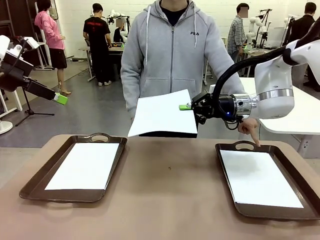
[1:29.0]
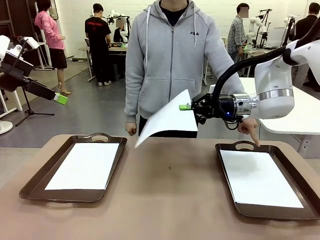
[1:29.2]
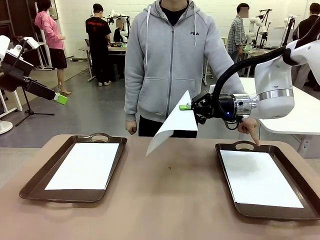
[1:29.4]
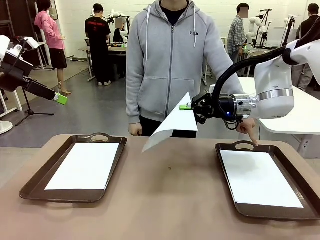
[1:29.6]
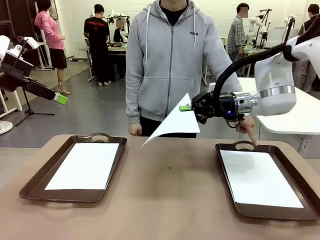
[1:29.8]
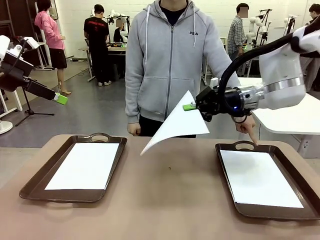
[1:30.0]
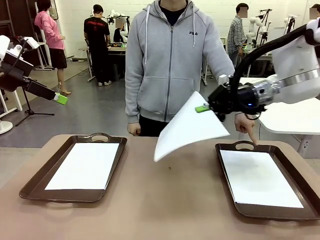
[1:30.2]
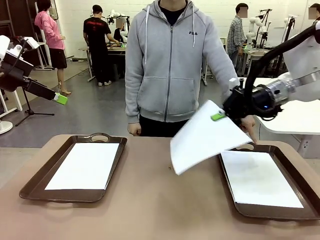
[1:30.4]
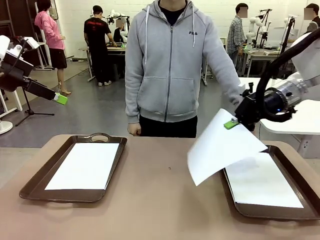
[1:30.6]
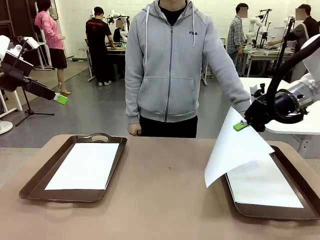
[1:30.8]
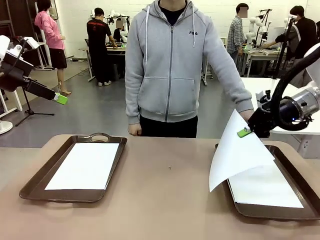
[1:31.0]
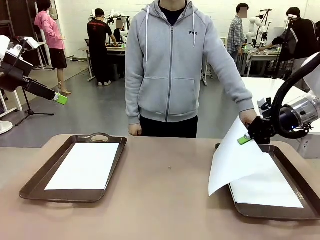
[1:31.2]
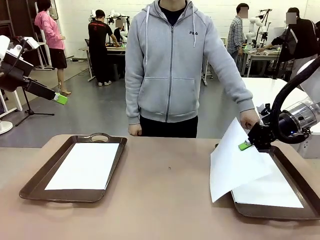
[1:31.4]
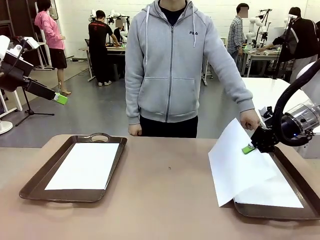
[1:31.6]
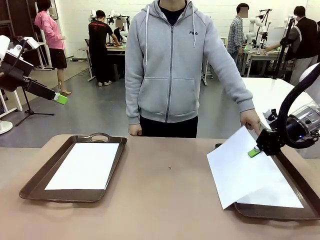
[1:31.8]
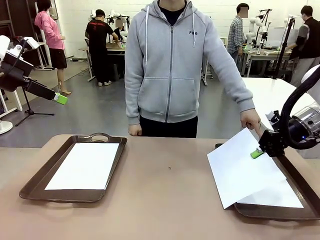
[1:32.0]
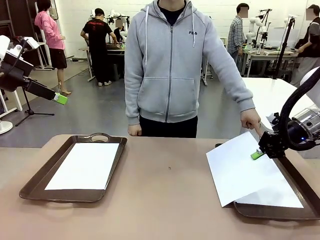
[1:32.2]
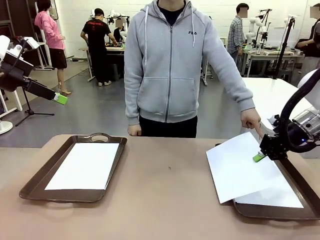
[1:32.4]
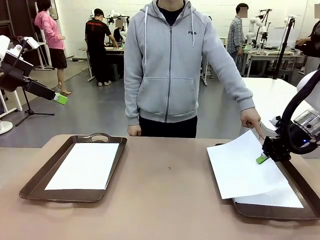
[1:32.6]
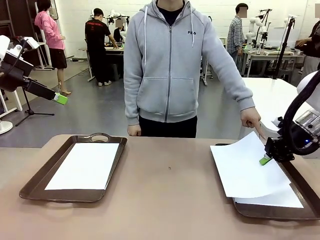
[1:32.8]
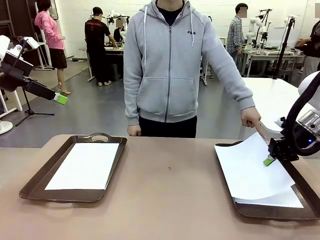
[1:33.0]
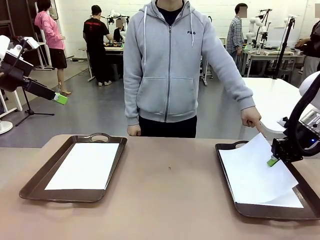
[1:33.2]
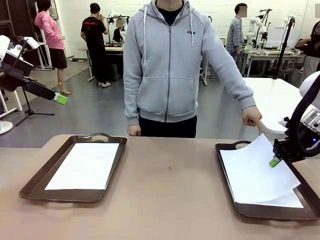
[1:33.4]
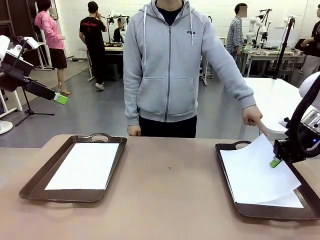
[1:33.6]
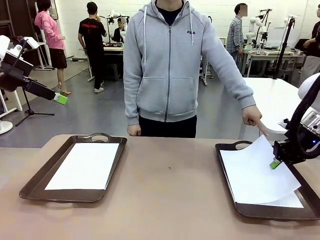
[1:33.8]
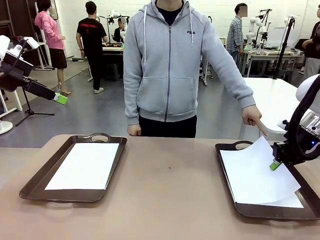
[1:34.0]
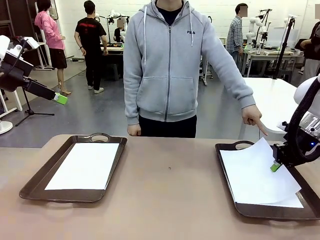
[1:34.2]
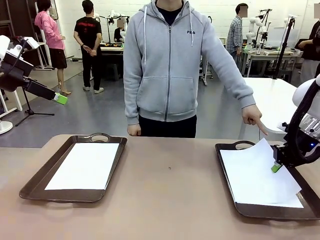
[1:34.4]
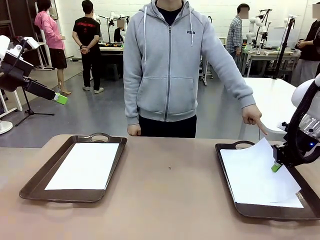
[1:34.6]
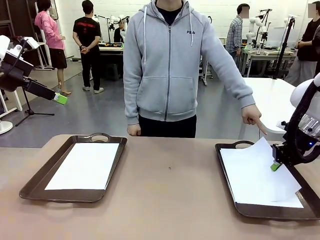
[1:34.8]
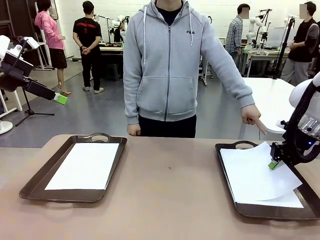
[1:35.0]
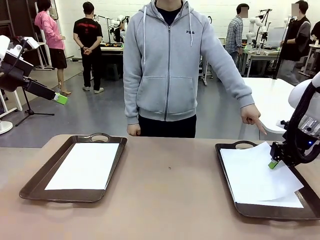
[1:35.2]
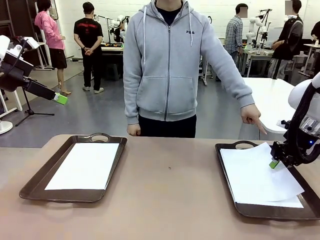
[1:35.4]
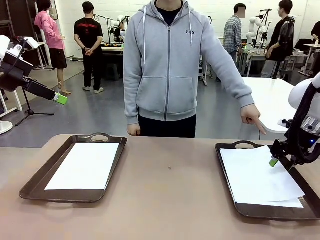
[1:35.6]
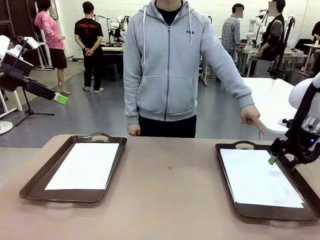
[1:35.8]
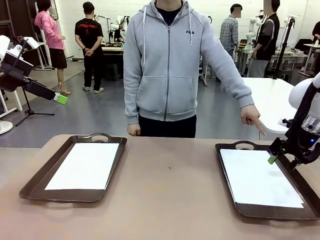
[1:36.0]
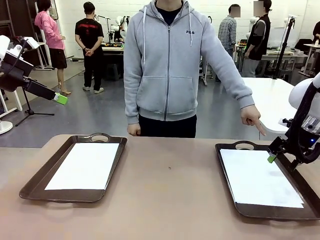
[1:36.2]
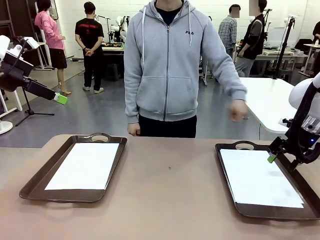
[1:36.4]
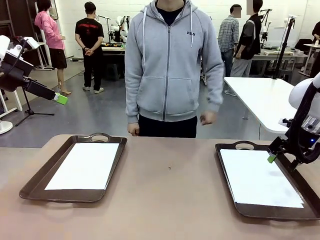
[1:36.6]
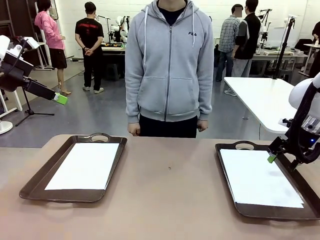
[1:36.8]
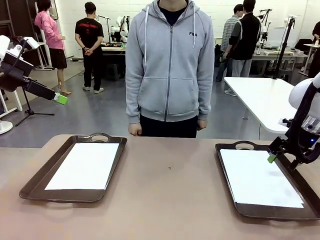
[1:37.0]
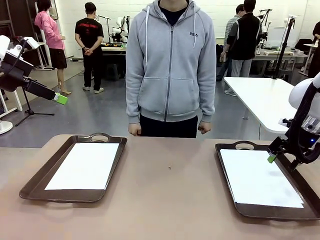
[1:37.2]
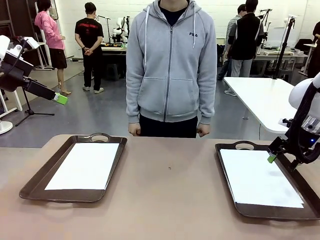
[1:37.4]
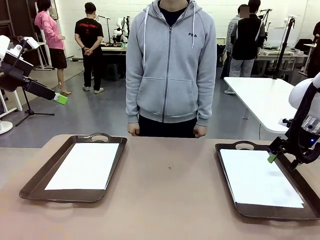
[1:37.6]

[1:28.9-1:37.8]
Task: Sort the A4 documents.
Robot: Place the A4 Paper in the designated Handle tray.
Person: Point the randomly selected tray with the other hand.

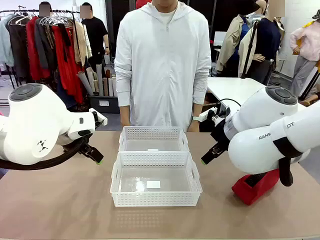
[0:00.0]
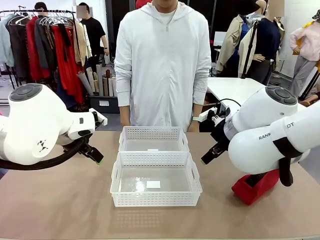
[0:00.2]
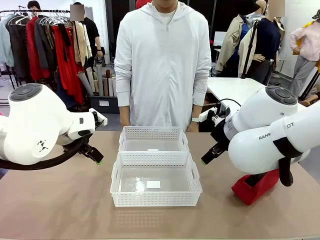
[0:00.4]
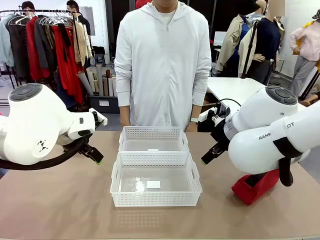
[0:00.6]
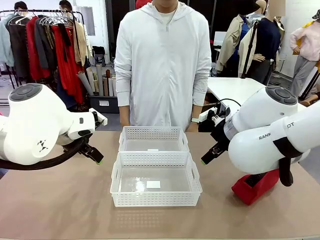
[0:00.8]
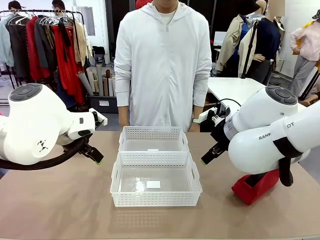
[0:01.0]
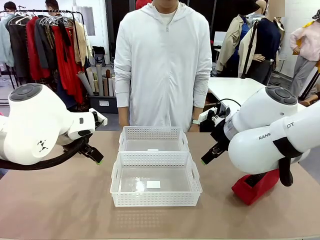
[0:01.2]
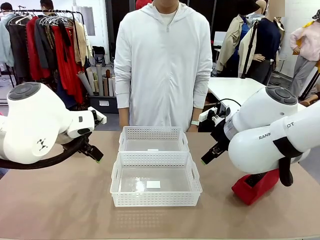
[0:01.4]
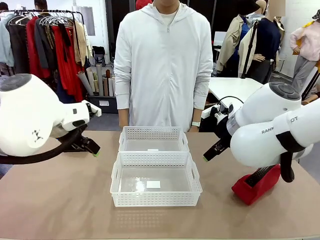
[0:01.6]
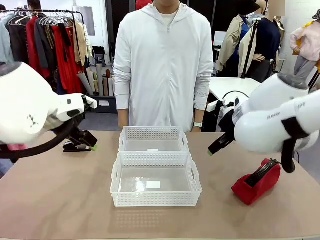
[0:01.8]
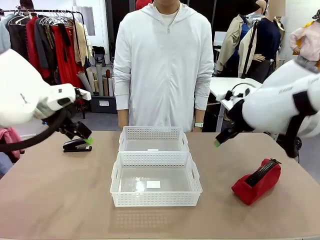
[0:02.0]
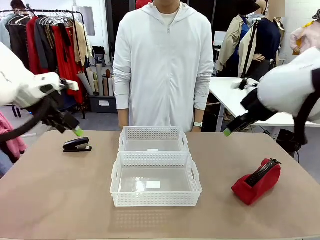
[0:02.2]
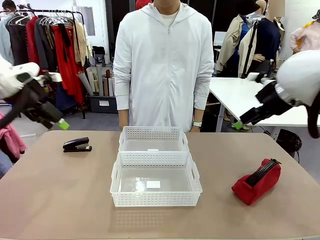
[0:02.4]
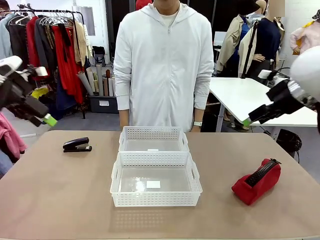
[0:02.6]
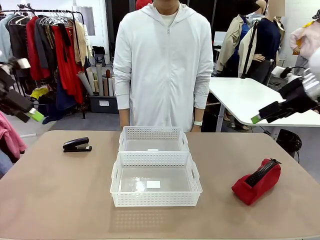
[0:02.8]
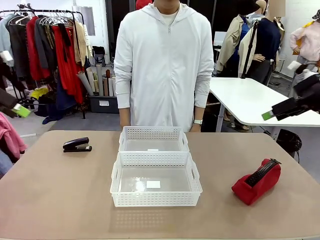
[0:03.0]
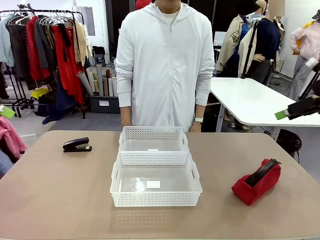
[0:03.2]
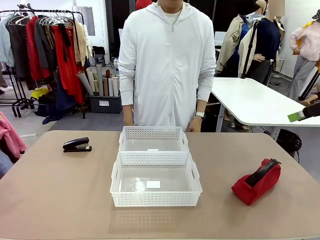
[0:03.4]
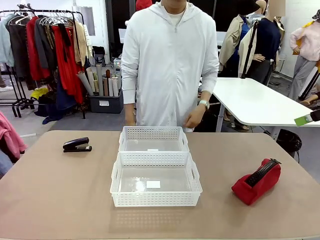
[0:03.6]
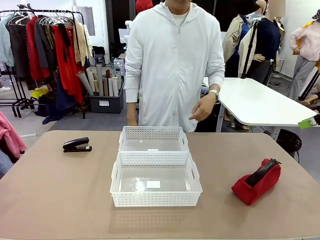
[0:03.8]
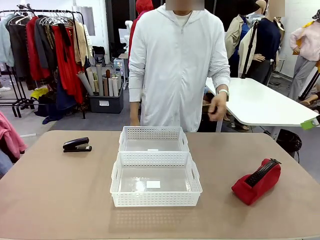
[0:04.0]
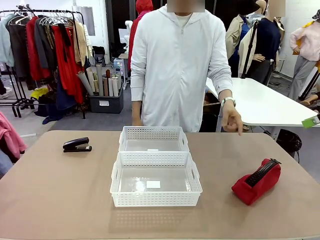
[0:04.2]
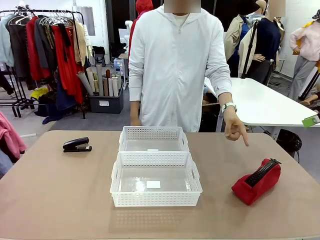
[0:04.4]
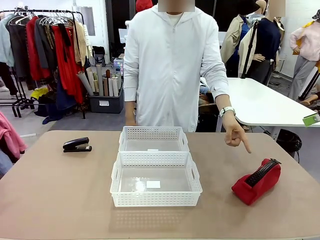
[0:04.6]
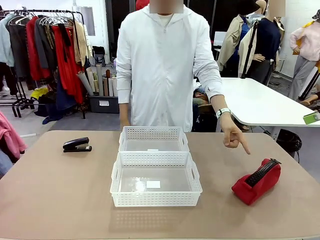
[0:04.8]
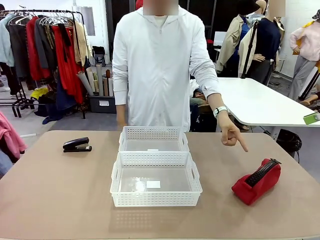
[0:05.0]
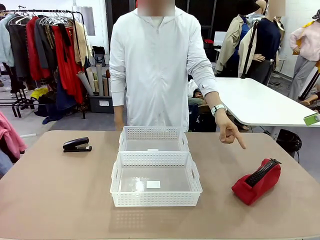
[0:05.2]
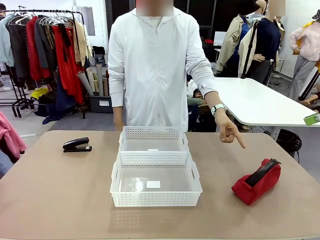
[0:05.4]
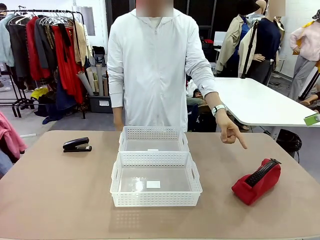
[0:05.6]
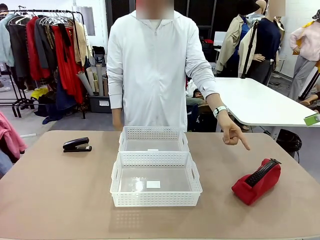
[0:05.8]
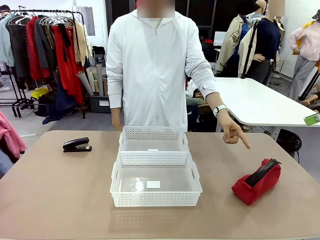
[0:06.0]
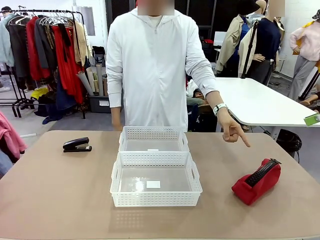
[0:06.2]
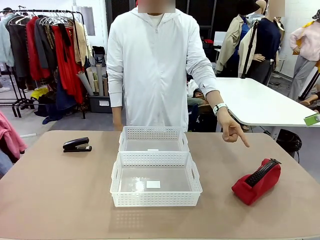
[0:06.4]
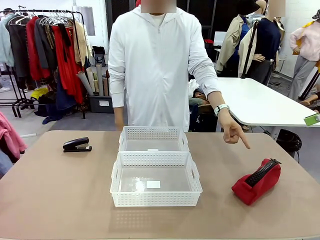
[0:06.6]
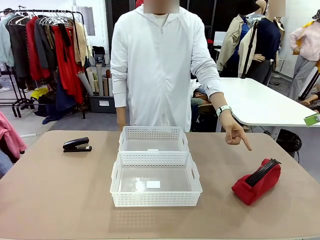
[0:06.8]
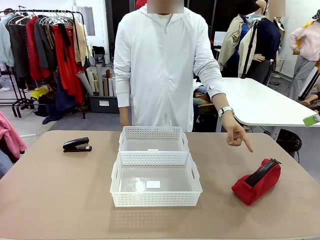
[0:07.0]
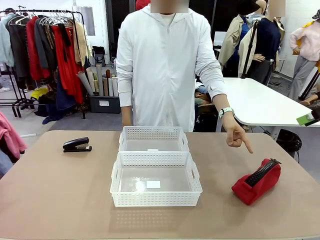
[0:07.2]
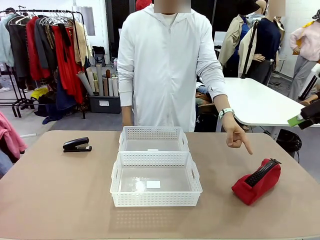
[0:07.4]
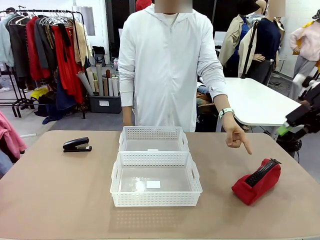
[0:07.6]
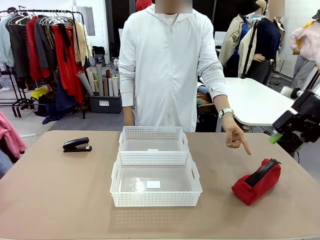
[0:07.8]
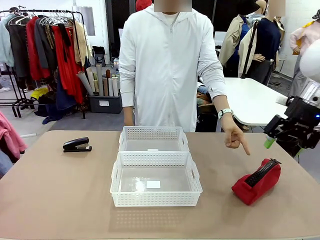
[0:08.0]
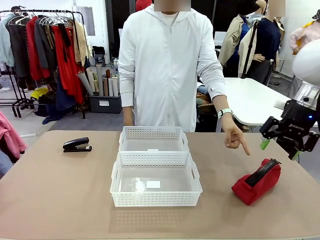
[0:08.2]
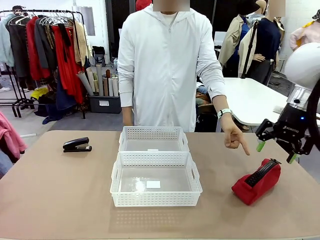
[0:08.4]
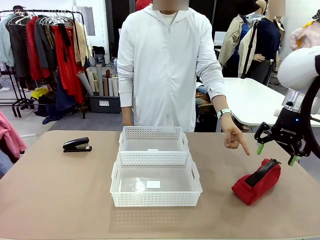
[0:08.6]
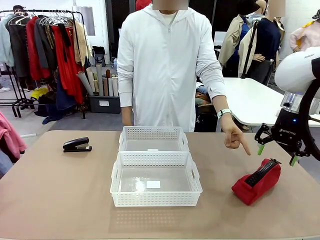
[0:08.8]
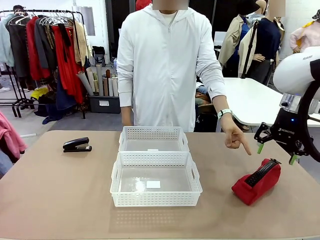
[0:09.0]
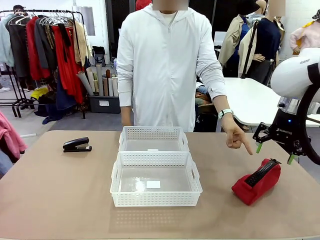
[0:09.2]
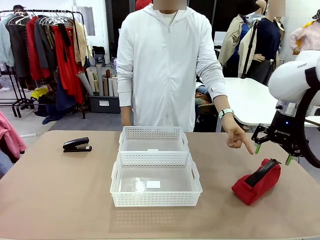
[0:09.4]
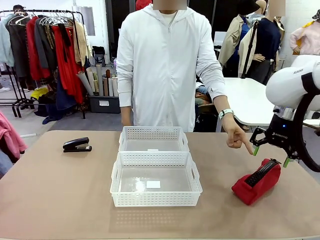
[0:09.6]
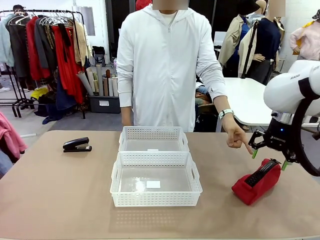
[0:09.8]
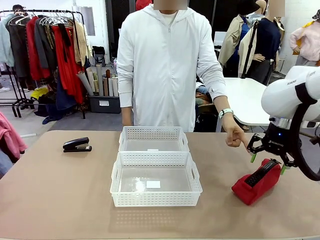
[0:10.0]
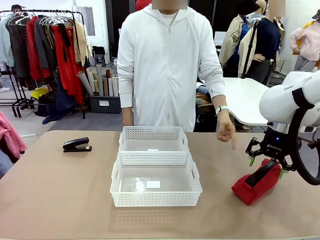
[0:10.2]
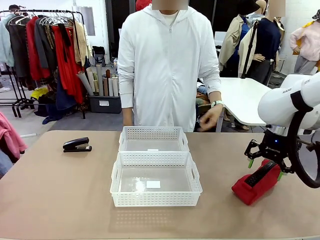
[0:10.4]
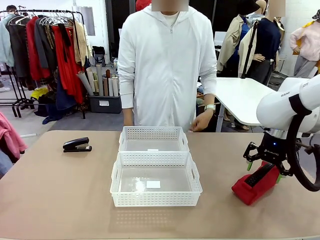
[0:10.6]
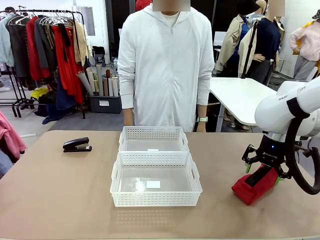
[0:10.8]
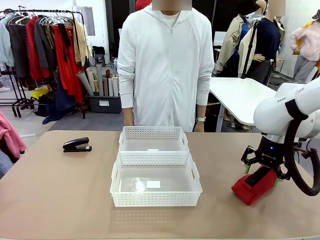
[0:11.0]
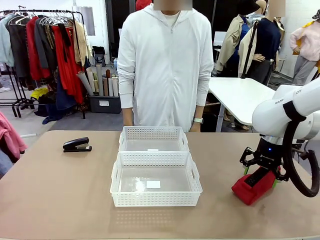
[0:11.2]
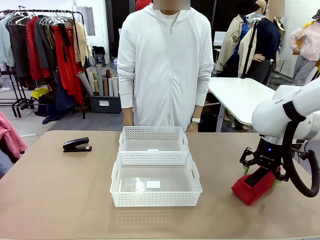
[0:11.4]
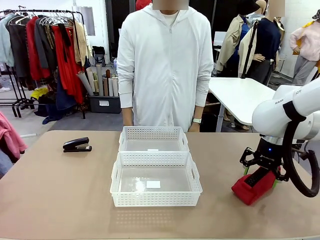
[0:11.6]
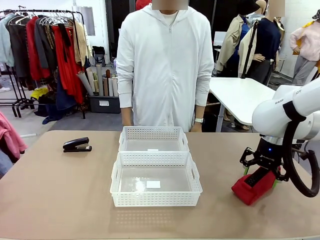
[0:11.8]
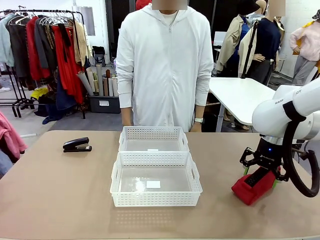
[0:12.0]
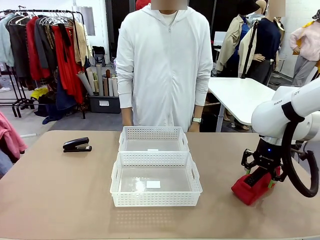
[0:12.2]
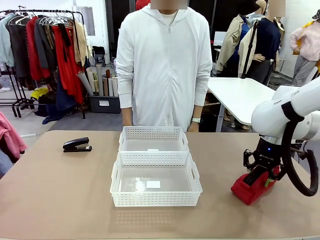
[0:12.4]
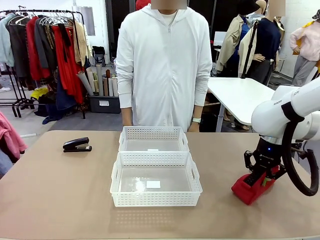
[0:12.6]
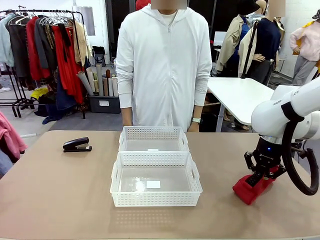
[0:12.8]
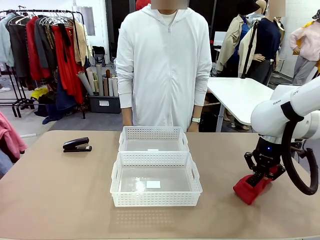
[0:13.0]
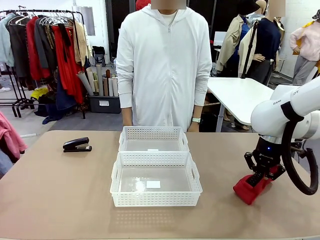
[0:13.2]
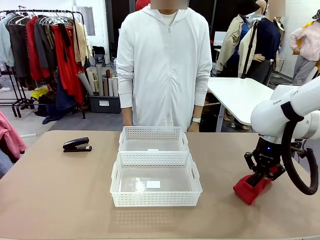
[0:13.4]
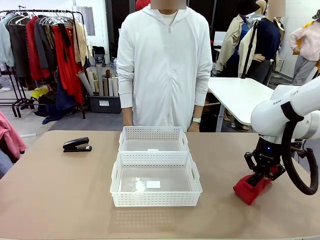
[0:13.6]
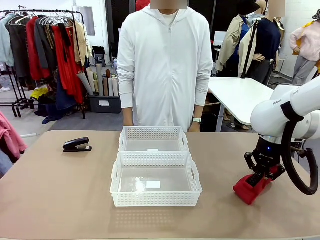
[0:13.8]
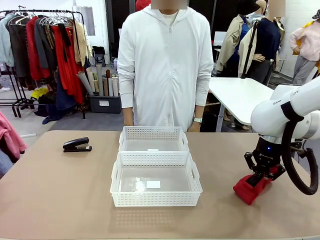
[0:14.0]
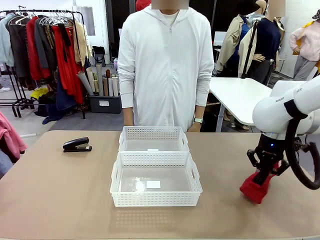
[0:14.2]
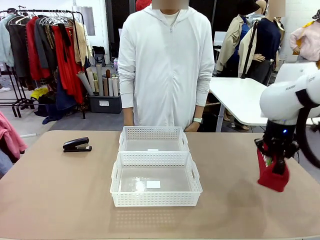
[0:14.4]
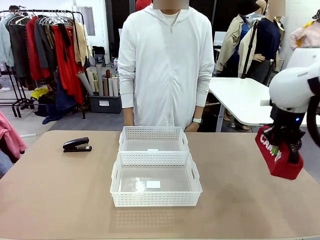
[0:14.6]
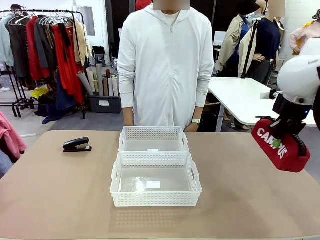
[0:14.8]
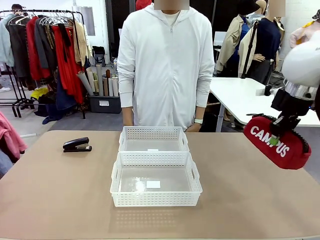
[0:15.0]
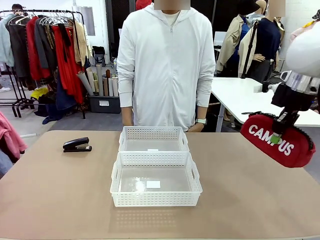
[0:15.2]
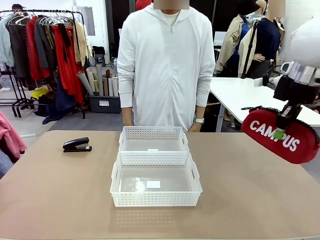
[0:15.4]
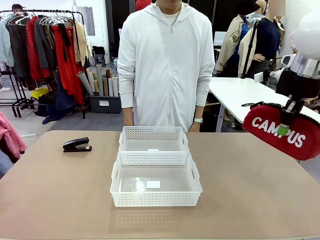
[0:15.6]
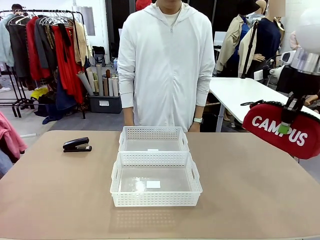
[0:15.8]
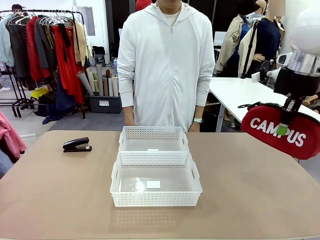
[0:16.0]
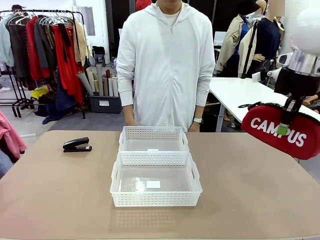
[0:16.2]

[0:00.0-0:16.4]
Task: Distribute items into two baskets.
Robot: Pick up the Pencil pouch that the person points to.
Person: Points to the pencil case. Points between the two organizing baskets and instructs the robot to move the pencil case.
